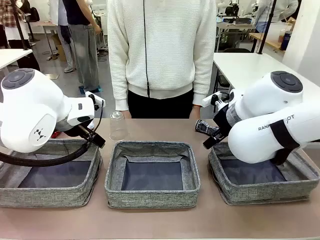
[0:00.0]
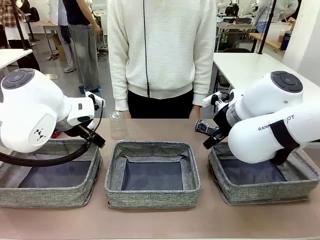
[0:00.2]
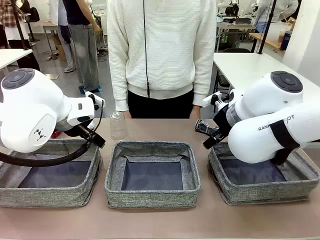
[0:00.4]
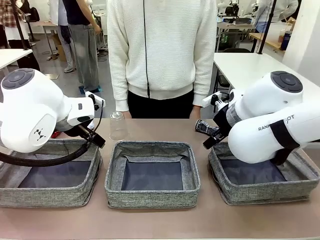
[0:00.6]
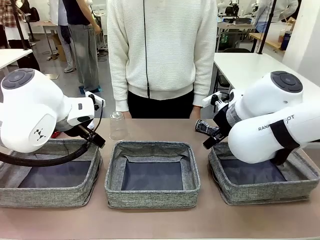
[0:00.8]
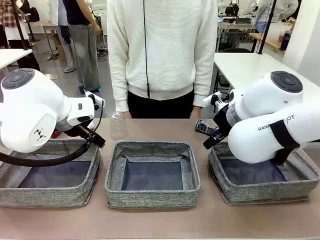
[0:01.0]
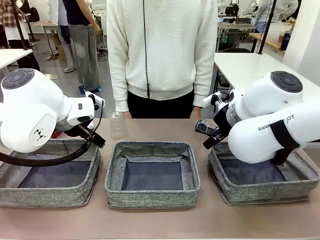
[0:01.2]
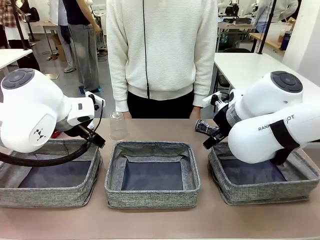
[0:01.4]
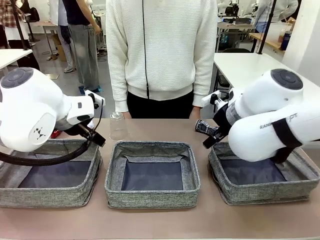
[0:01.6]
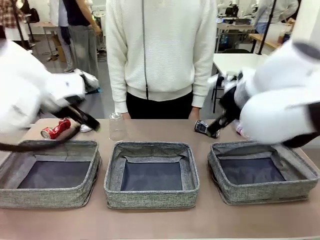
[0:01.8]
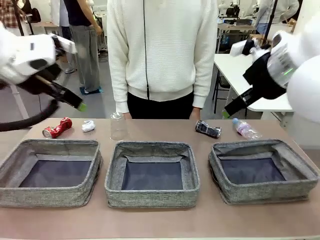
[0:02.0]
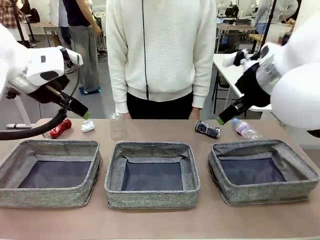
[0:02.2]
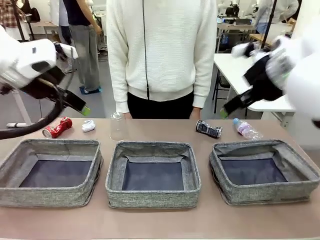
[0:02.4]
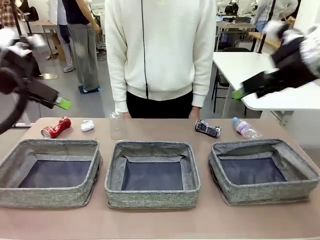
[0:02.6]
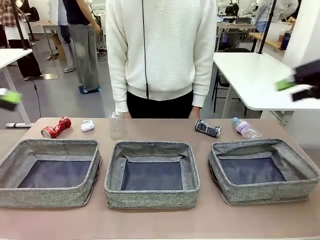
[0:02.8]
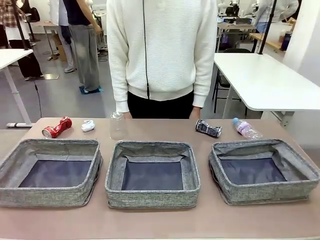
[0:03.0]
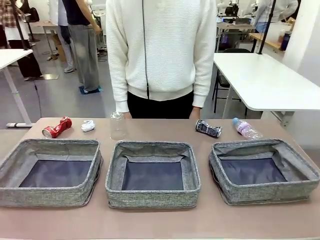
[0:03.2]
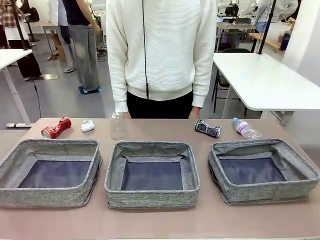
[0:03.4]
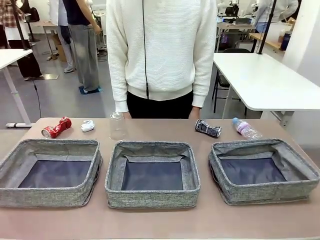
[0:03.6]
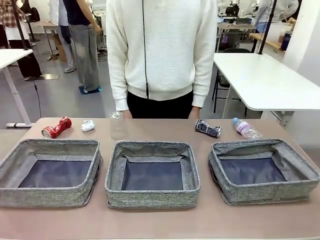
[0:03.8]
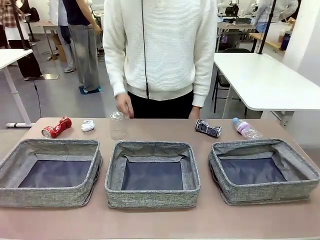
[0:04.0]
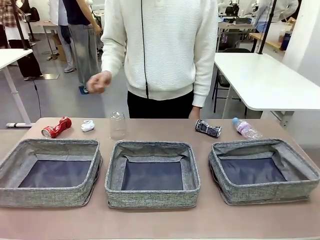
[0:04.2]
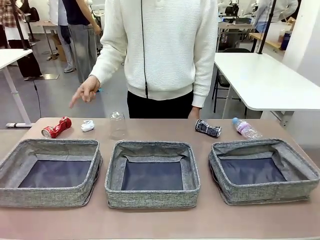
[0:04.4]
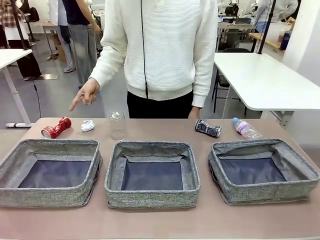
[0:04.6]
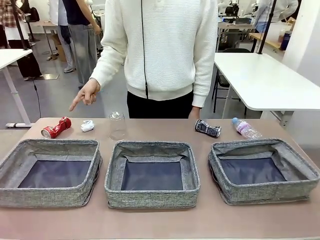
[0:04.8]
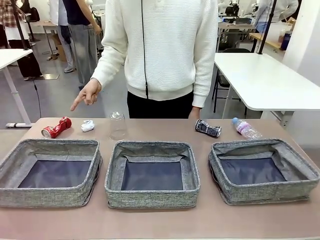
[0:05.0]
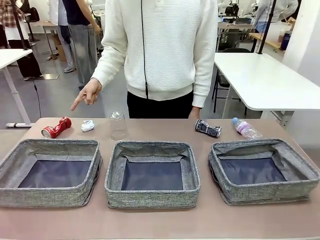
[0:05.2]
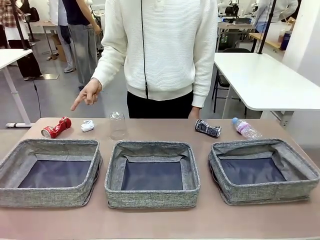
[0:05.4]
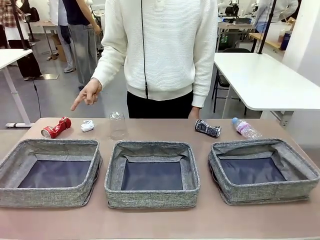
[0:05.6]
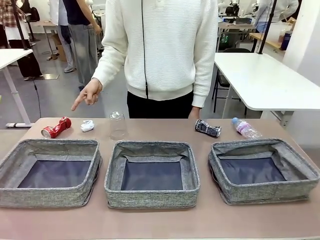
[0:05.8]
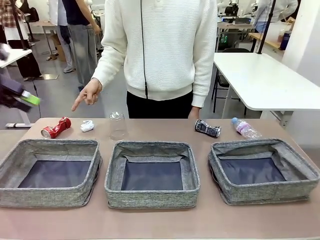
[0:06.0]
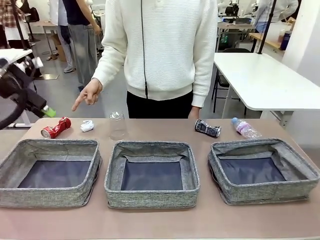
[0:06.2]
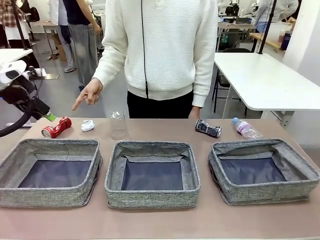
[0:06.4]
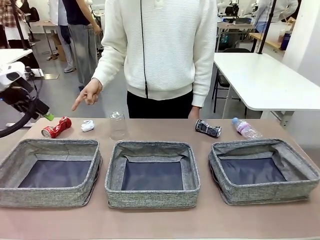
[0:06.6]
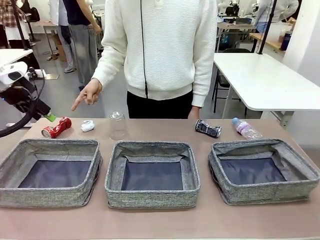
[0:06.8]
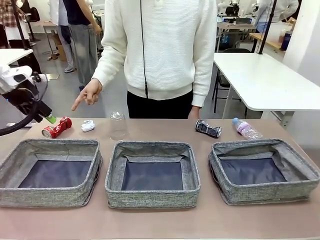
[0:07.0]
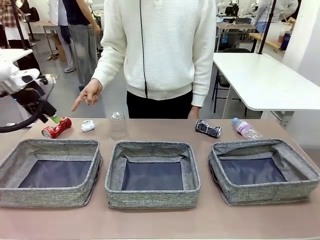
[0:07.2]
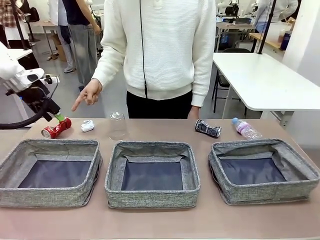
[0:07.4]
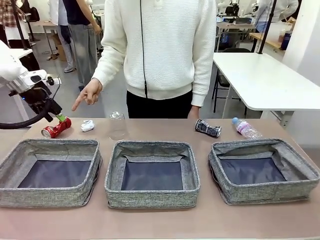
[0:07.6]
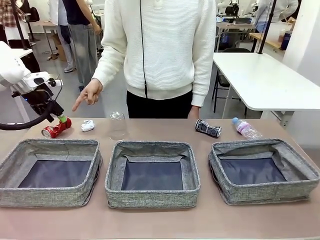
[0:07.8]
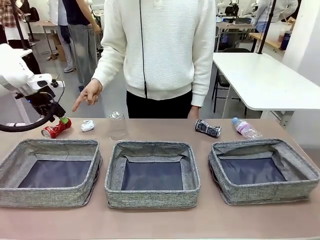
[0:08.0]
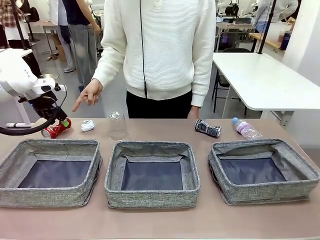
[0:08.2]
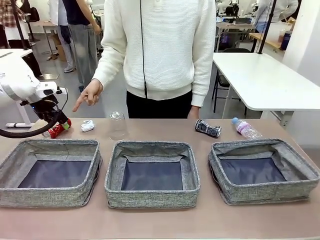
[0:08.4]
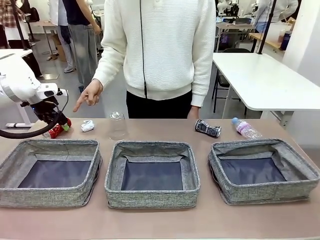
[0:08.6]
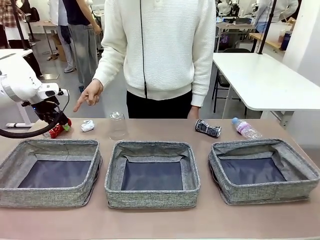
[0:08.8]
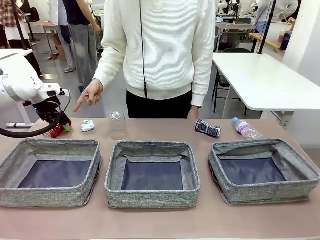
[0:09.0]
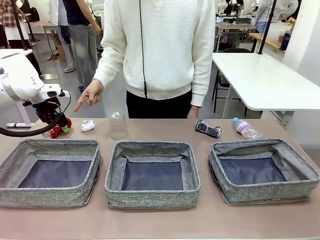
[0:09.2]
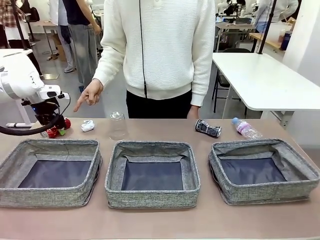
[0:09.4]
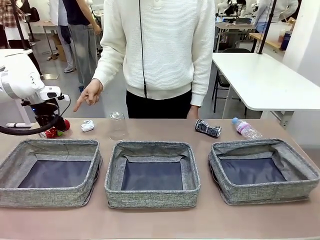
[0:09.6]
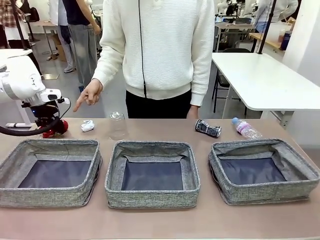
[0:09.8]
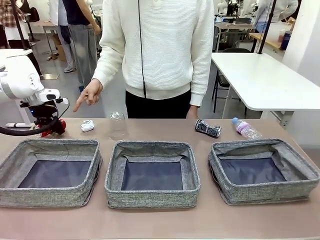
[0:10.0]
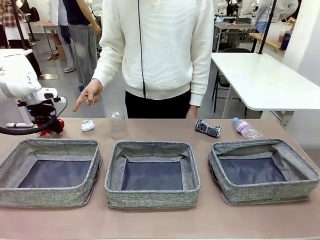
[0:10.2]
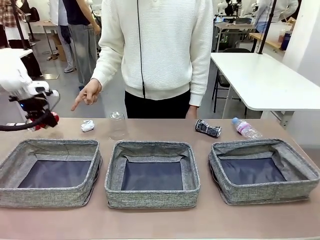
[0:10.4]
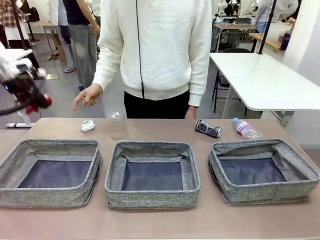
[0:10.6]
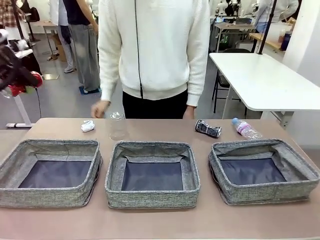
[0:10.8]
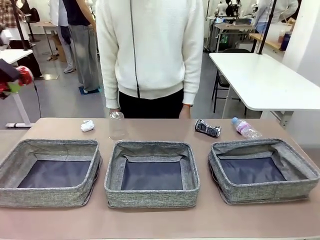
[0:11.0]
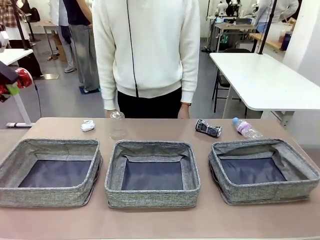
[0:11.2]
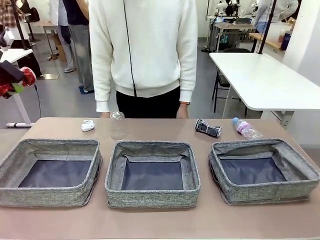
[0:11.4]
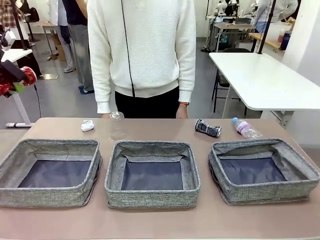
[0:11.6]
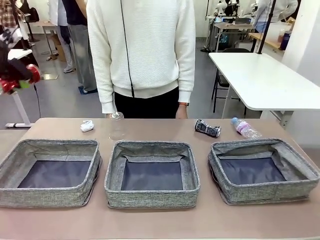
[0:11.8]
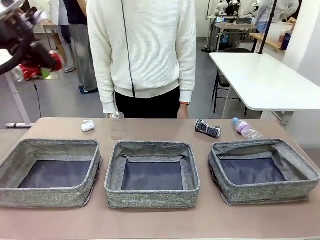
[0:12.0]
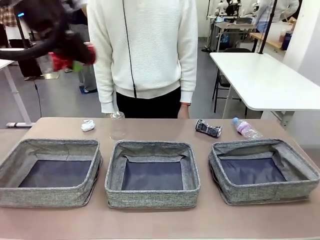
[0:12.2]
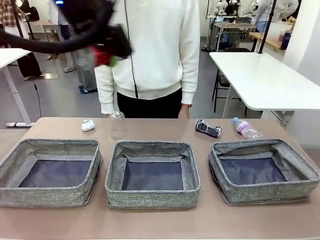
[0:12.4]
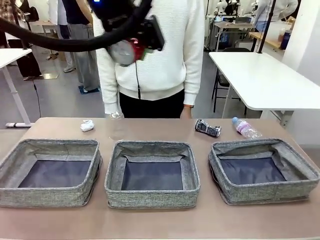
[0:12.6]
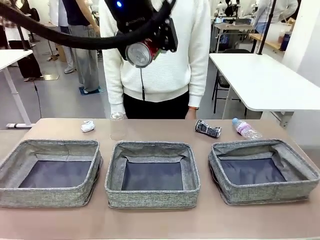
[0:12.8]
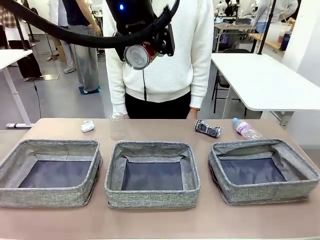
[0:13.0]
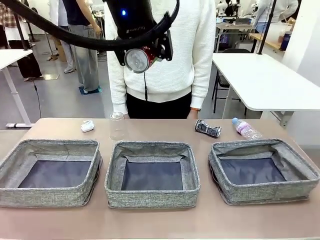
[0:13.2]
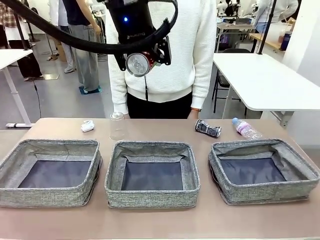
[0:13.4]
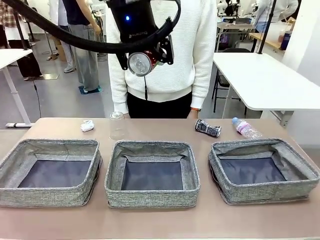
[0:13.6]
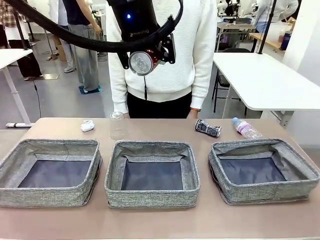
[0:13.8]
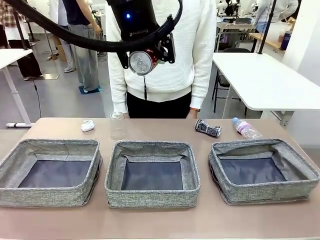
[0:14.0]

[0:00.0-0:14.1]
Task: Sort the waste into the appropriate baskets.
Robot: Pick up the waste item pointed out by the person.
Person: Points to one piece of trash on the table.

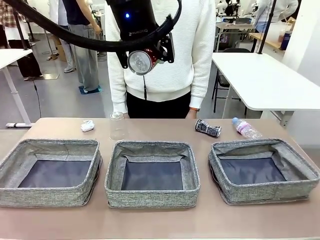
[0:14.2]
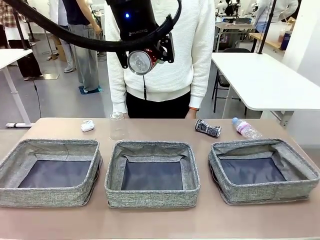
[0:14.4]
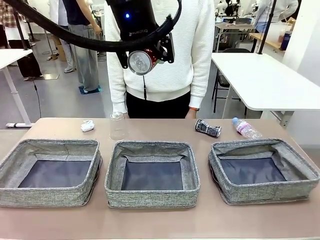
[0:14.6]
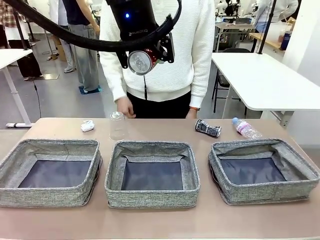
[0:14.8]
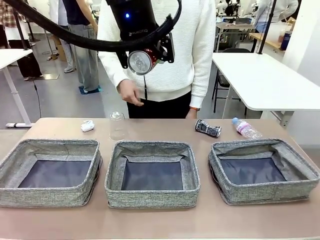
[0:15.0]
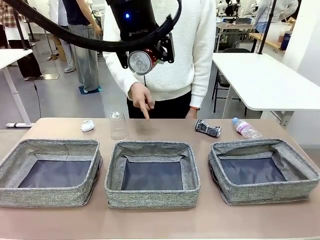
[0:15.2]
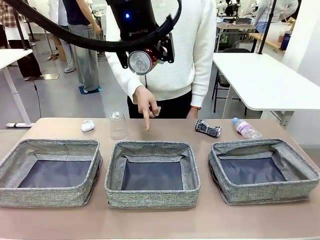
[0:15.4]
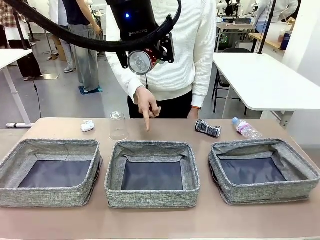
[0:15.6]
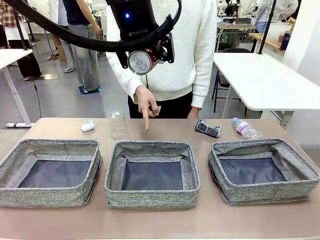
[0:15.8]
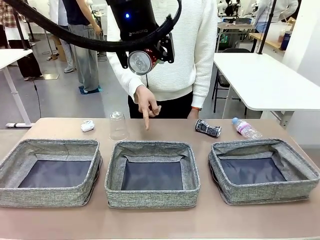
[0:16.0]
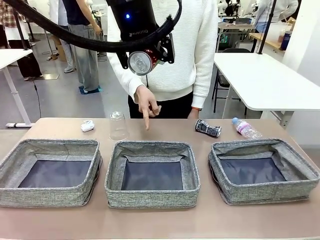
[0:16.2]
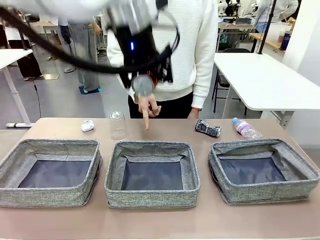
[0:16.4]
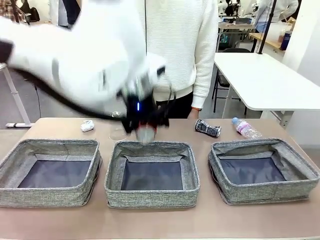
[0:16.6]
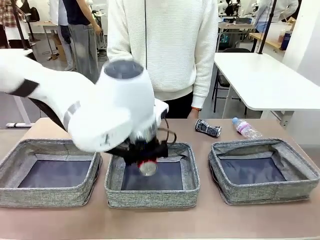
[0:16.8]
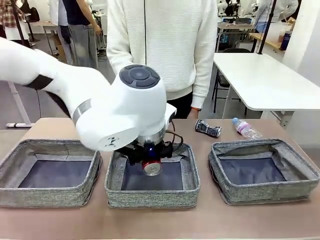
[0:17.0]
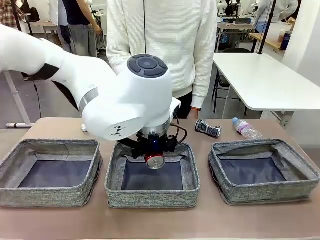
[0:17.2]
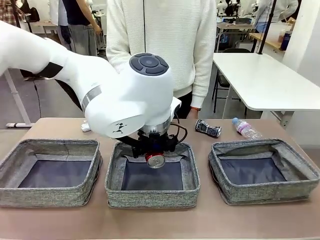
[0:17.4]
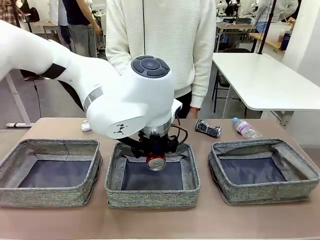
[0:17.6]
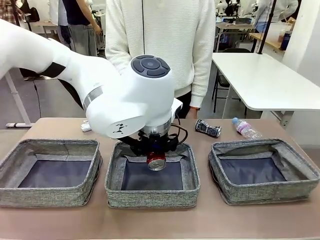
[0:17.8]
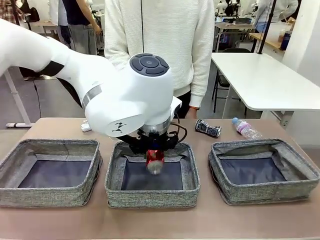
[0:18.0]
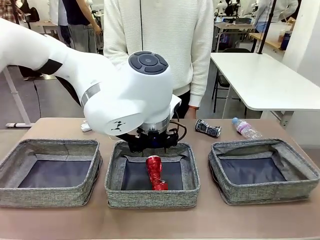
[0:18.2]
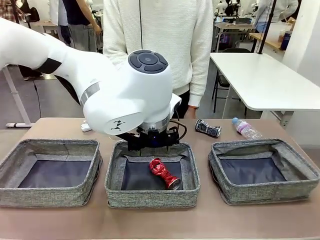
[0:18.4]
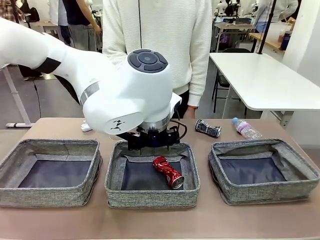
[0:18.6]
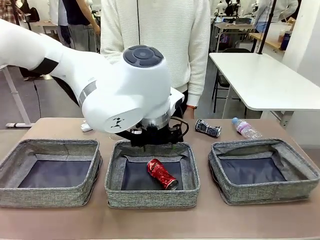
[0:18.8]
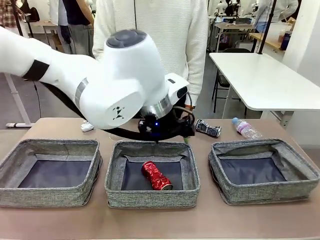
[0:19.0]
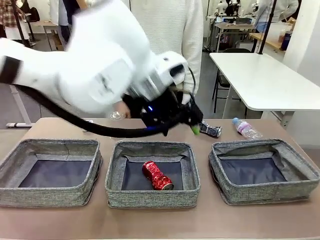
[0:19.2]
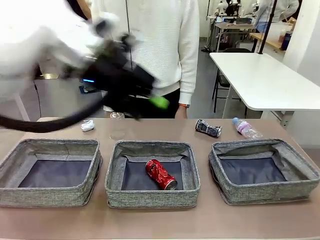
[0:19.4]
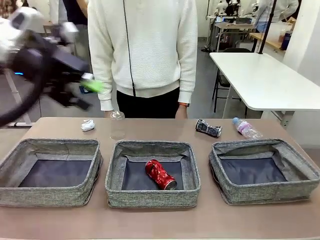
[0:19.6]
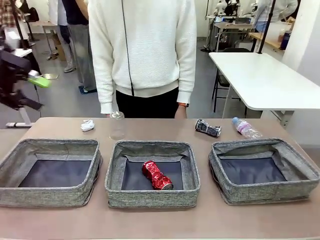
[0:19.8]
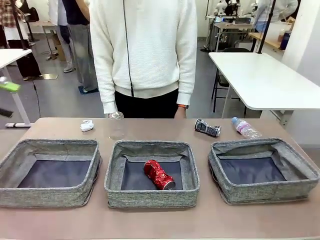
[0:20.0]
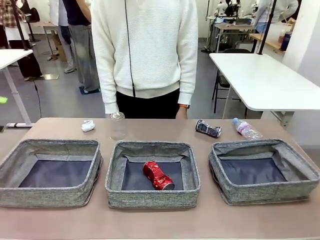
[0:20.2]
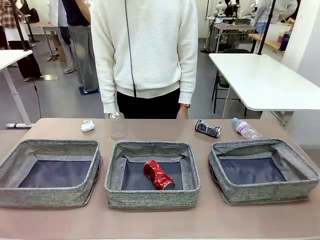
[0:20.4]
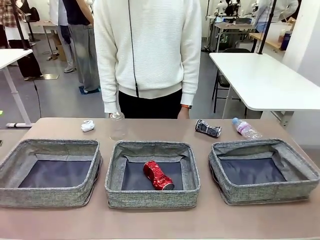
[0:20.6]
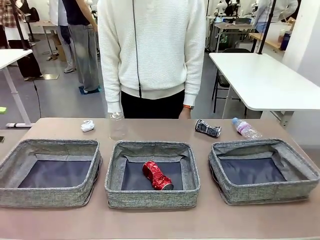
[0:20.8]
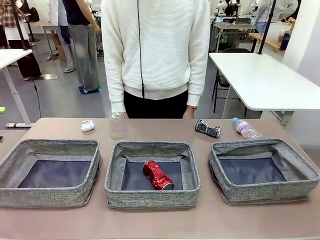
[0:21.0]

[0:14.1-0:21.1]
Robot: Place the picked waste into the Fabric basket indicated by the person.
Person: Instructs the robot to place the picked-up trash into the appropriate organizing basket.
